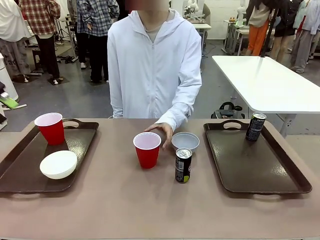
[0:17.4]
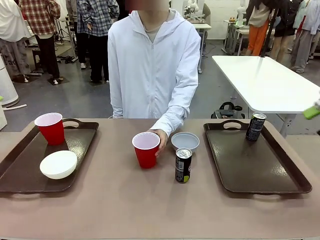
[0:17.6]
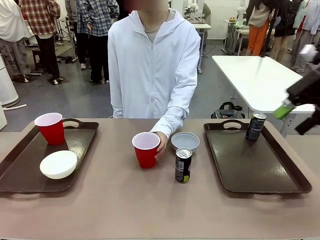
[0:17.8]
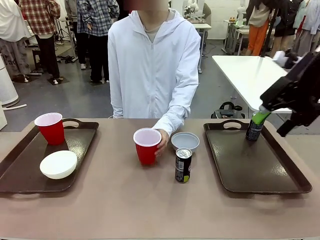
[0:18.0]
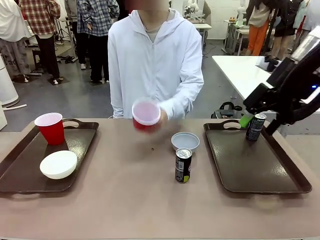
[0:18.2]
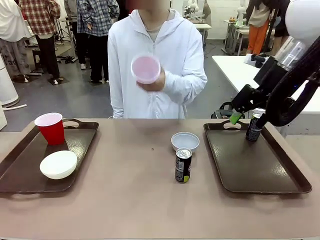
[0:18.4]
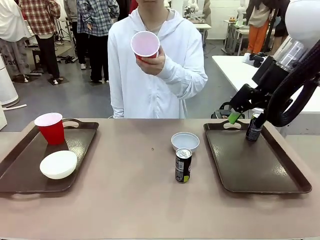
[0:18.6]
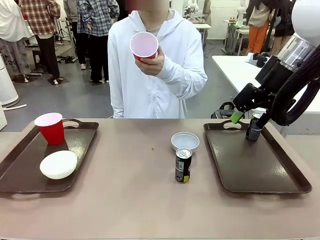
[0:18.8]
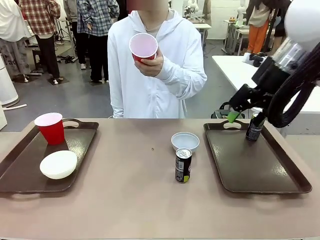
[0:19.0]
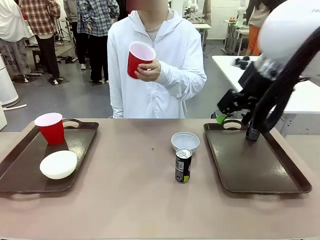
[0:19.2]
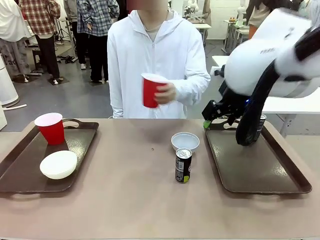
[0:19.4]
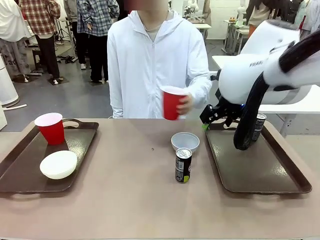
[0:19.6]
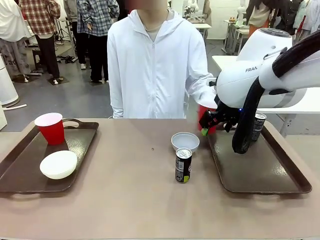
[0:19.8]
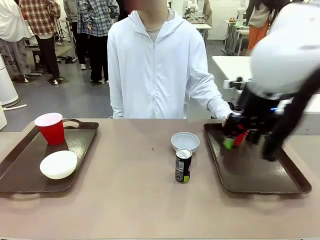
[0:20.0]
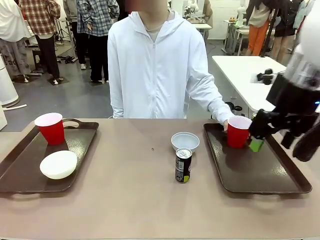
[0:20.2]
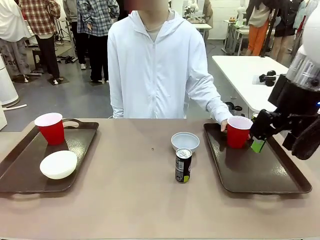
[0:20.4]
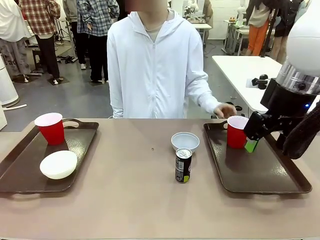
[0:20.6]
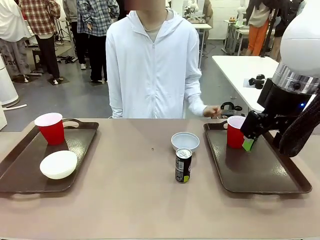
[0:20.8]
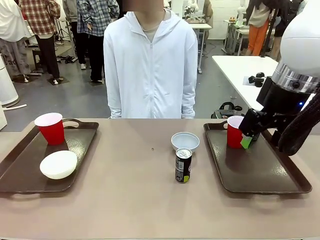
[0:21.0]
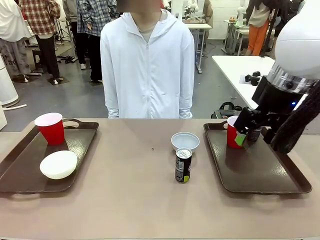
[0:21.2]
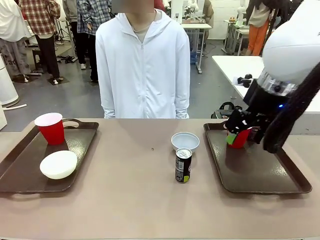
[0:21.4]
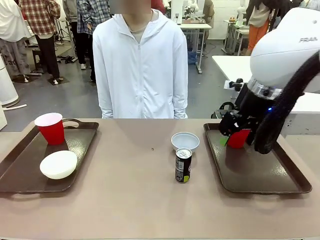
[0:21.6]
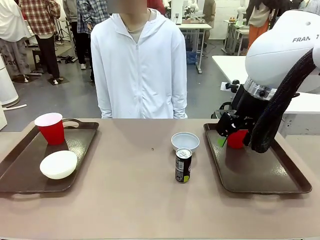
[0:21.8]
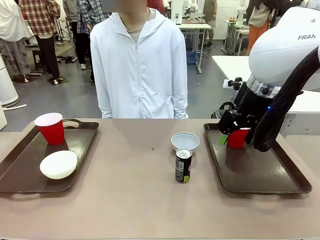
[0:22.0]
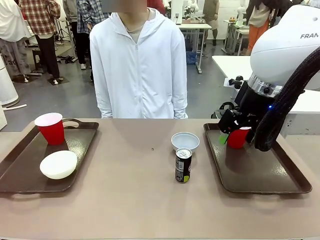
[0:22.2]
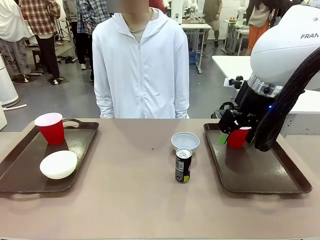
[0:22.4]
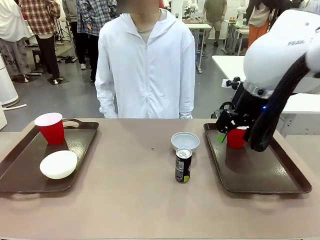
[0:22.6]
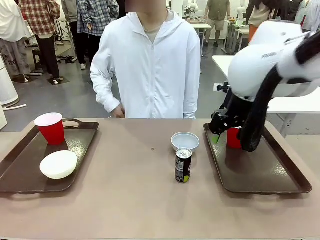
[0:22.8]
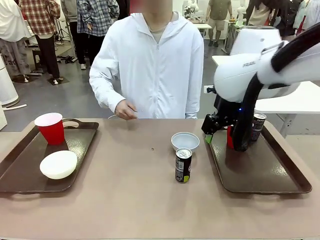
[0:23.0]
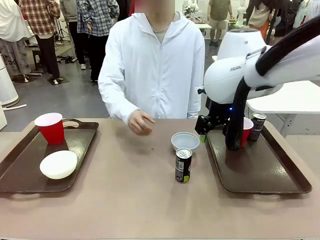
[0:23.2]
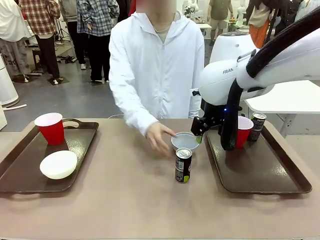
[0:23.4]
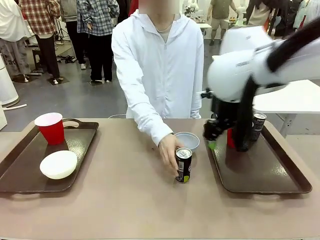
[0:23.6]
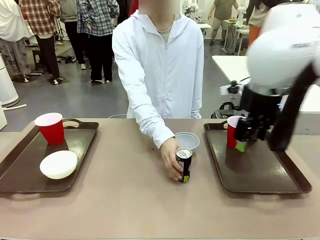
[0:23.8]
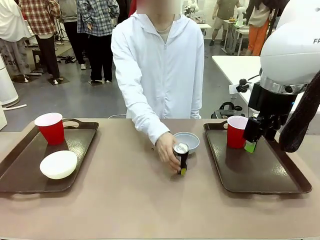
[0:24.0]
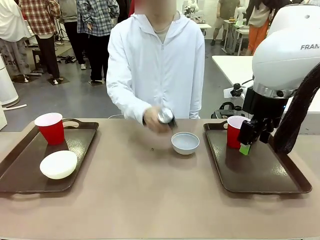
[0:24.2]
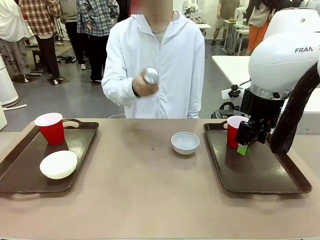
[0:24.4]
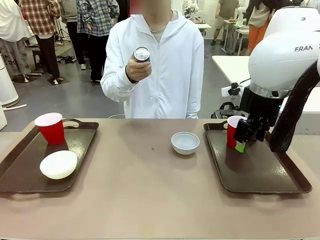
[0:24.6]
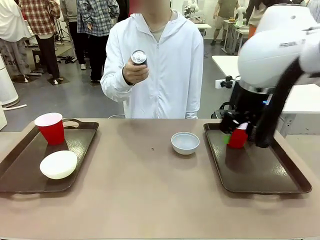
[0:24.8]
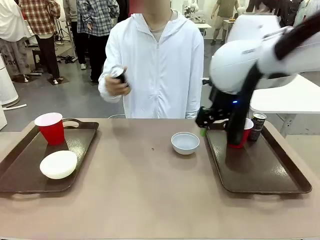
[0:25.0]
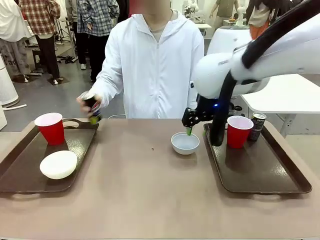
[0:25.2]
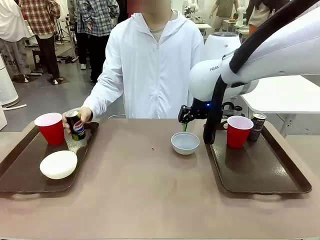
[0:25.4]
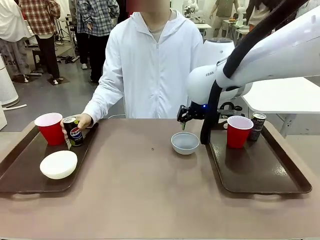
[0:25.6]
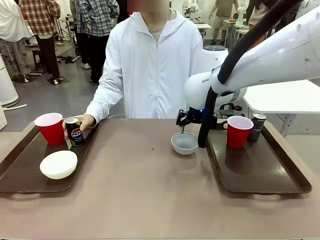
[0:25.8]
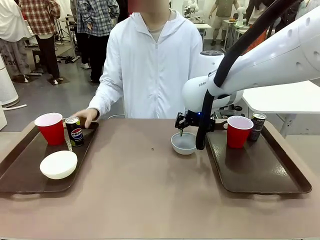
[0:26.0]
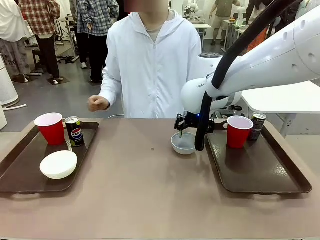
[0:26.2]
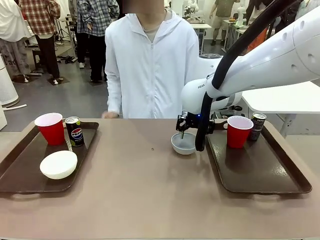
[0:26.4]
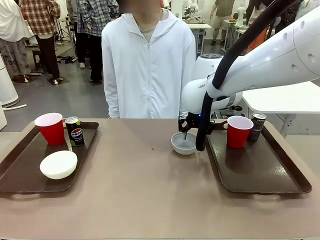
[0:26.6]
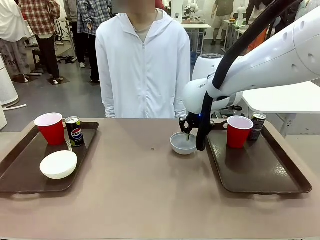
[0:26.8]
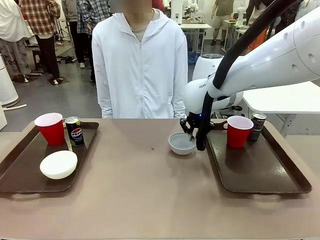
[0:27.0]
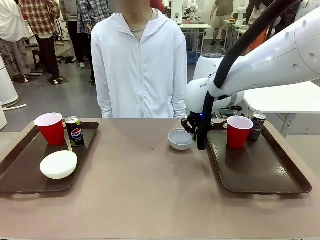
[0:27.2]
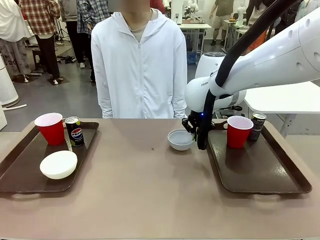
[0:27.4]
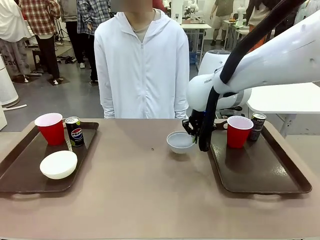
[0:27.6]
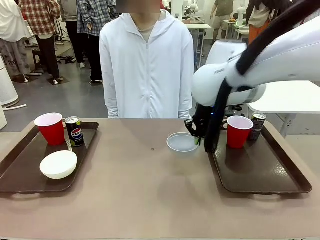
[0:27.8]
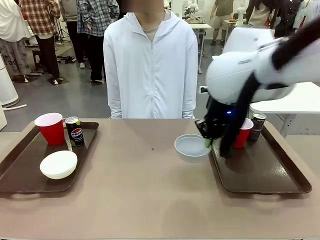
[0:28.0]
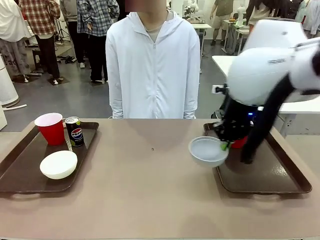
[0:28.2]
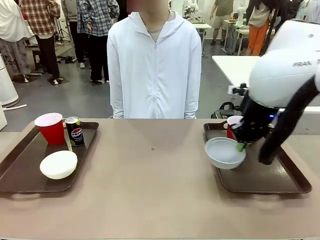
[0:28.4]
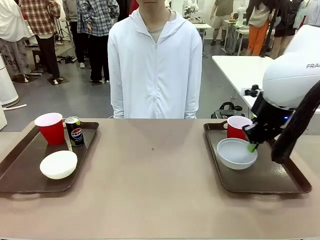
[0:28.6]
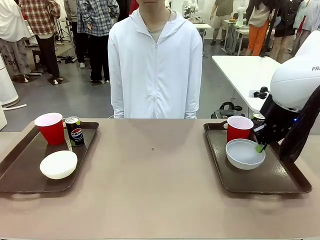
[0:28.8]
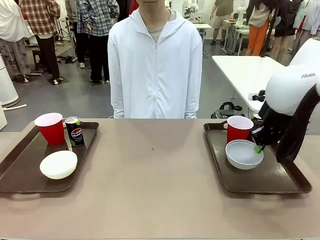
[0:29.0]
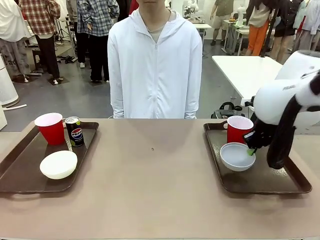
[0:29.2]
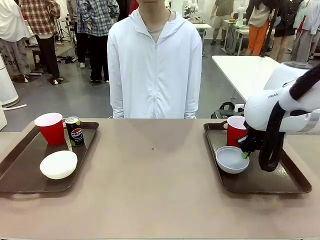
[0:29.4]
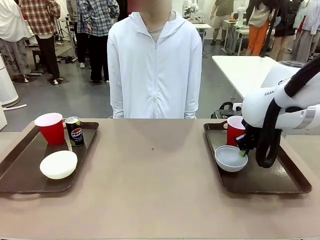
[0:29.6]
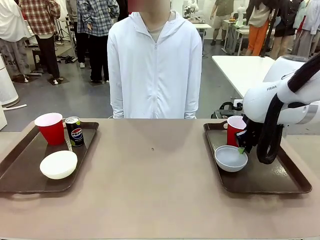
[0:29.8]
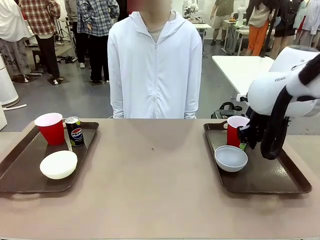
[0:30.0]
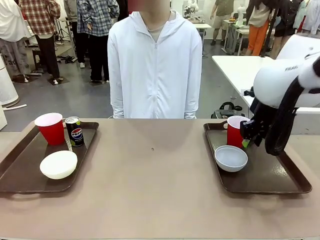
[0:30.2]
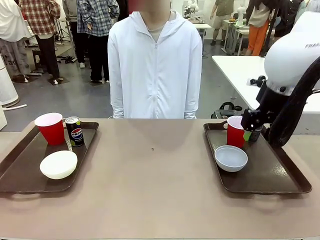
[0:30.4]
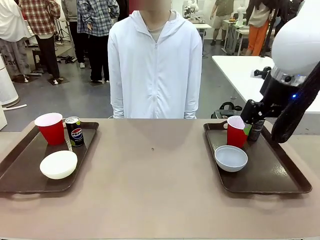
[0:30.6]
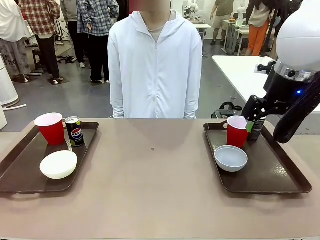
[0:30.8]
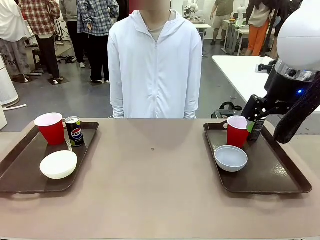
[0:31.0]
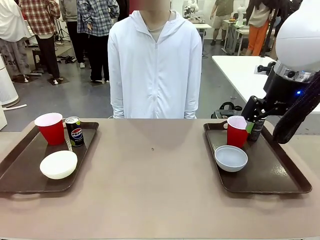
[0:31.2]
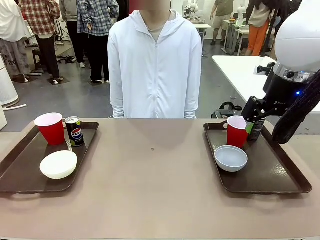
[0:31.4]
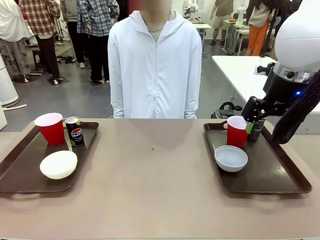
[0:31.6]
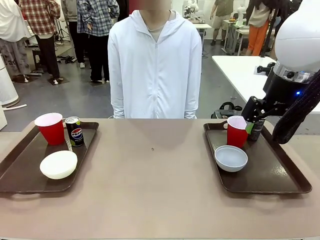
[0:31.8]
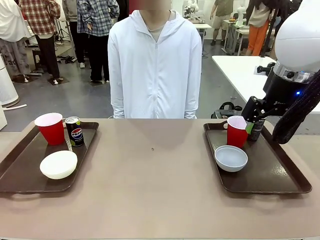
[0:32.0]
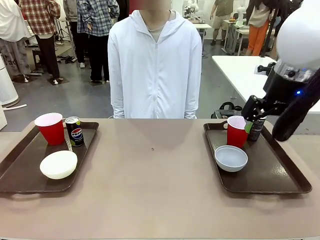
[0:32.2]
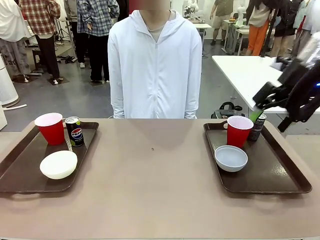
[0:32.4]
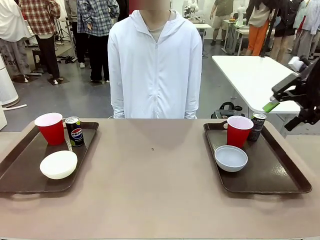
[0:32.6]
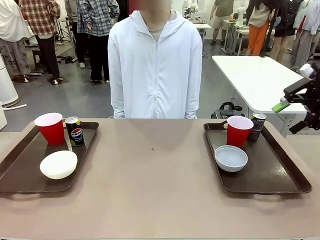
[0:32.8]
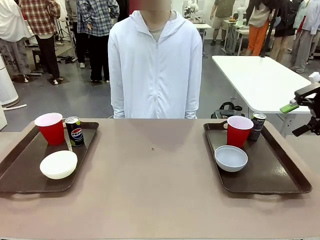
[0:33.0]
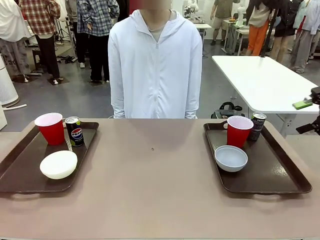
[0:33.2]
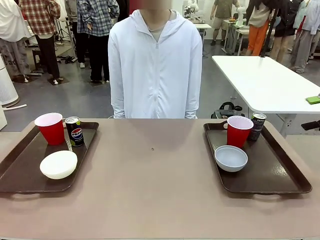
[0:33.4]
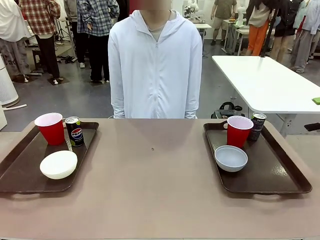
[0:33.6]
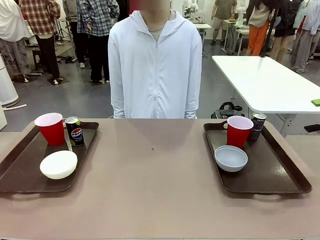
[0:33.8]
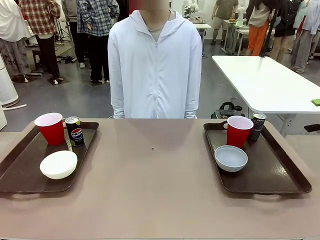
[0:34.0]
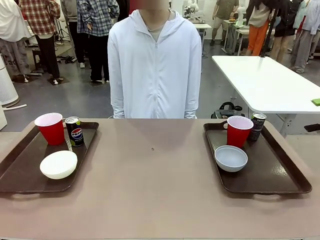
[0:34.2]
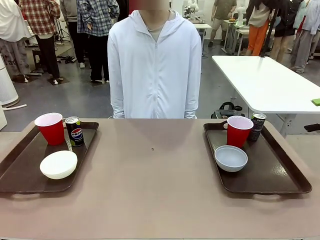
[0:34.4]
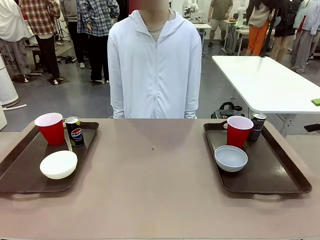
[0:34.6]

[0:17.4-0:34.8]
Task: Prepare tableware on both trays.
Robot: Pick up a Picnic Bowl from the table and place it on a Handle tray.
Person: Pick up a can or cup and place it on the tray without a can or cup.
